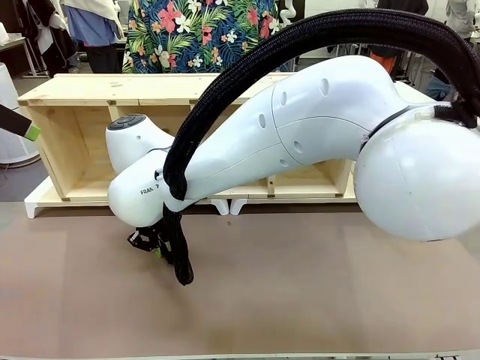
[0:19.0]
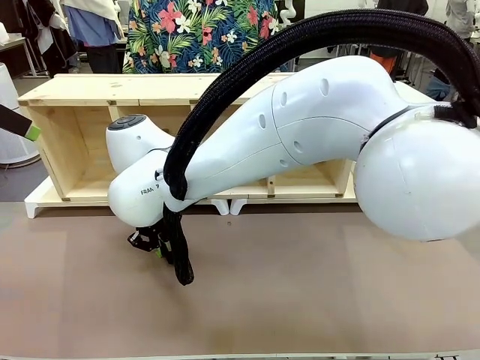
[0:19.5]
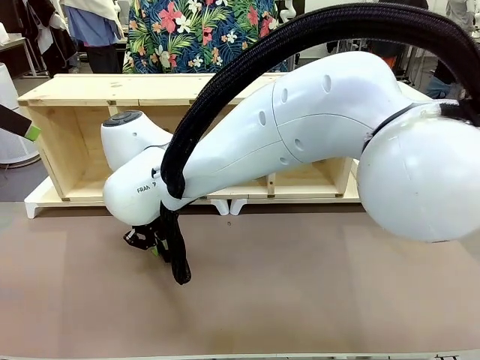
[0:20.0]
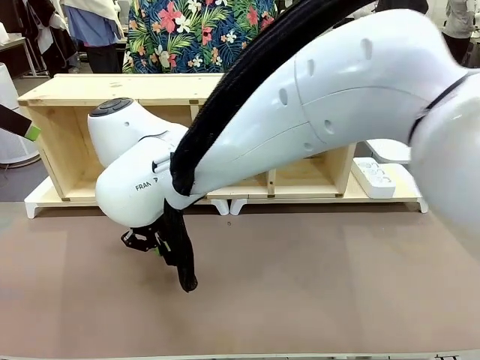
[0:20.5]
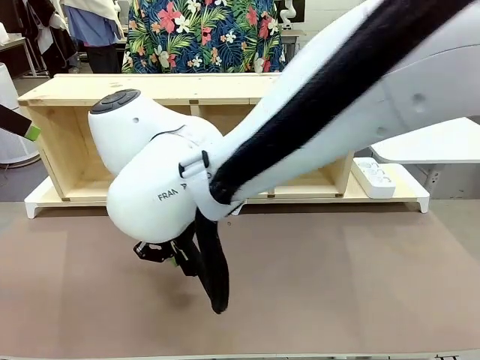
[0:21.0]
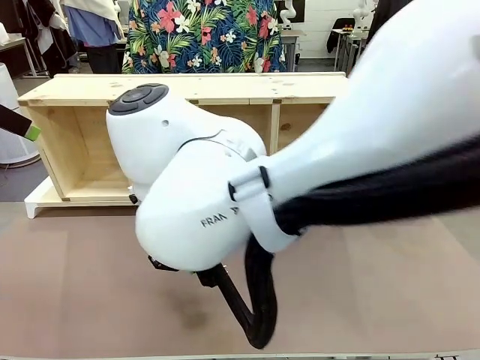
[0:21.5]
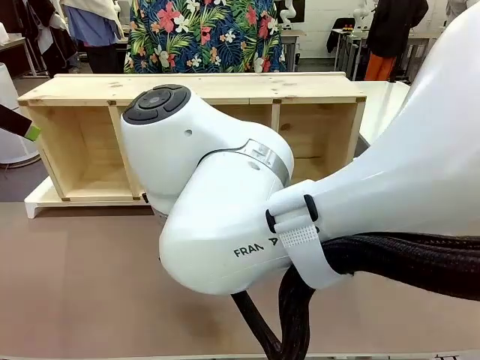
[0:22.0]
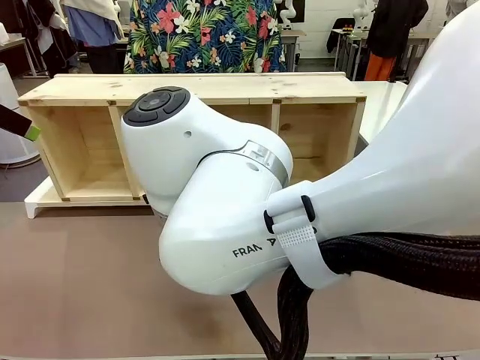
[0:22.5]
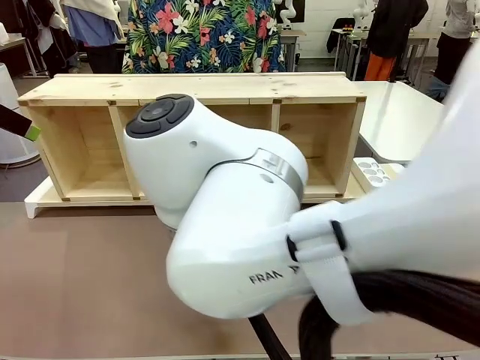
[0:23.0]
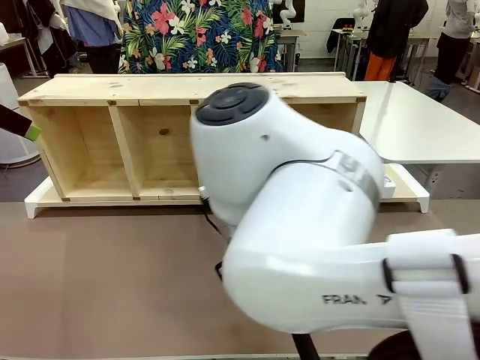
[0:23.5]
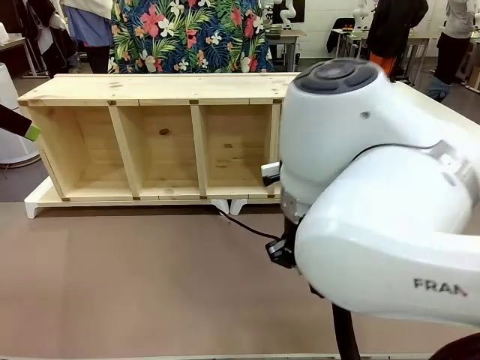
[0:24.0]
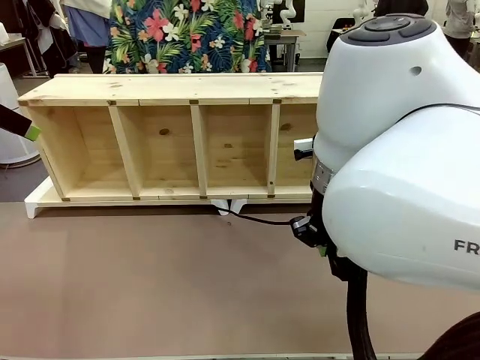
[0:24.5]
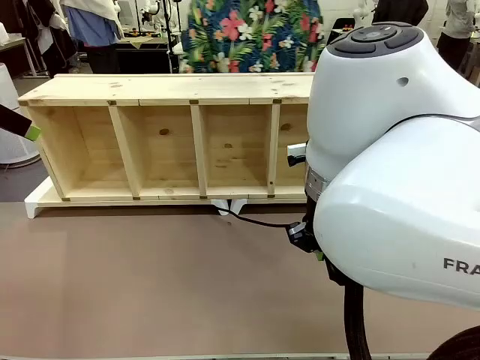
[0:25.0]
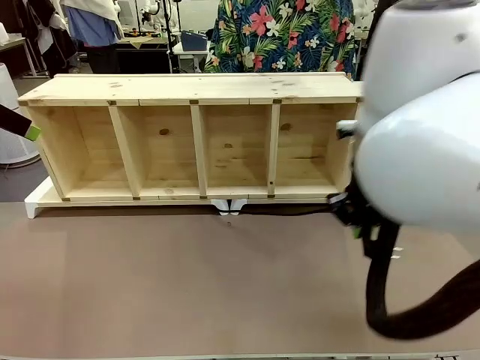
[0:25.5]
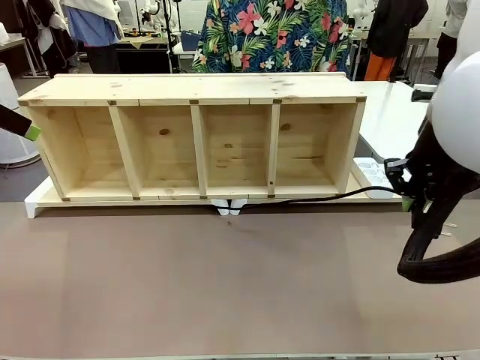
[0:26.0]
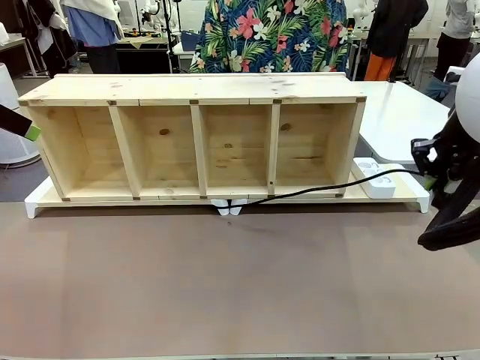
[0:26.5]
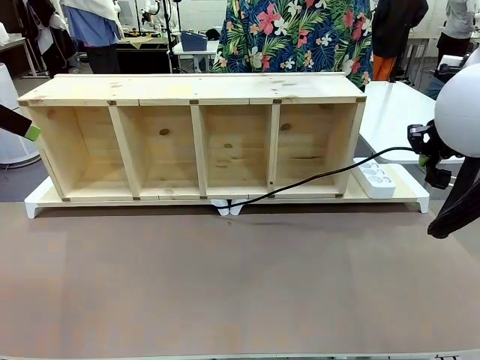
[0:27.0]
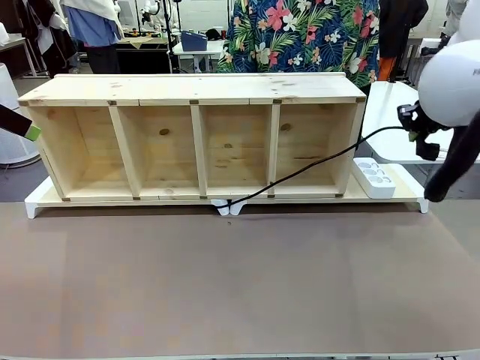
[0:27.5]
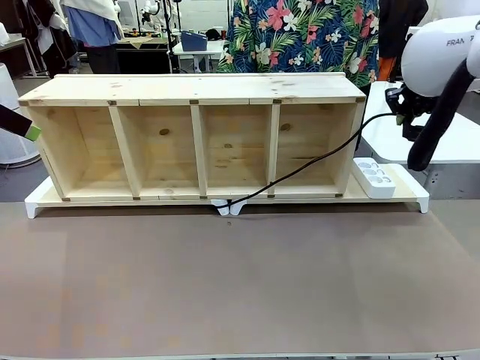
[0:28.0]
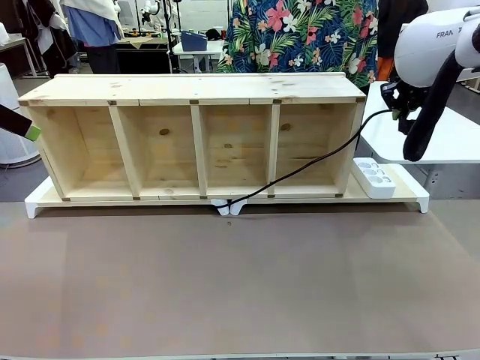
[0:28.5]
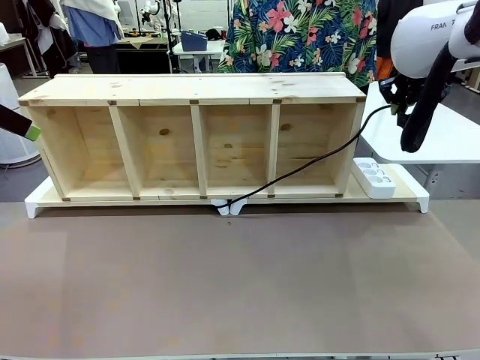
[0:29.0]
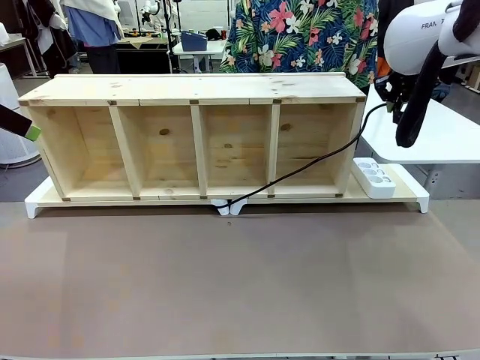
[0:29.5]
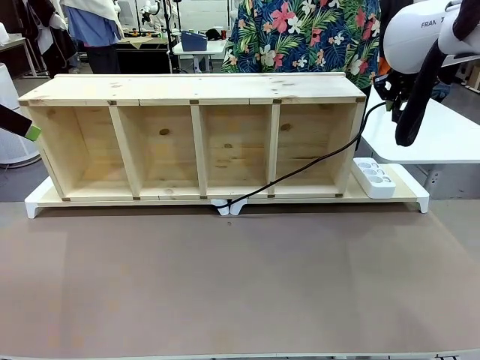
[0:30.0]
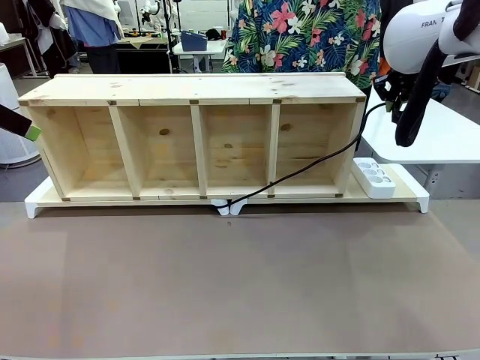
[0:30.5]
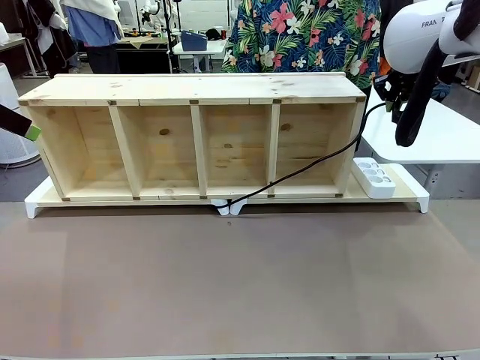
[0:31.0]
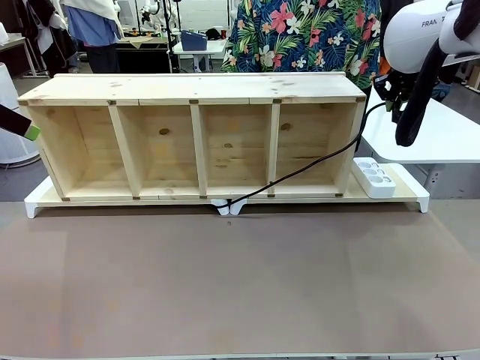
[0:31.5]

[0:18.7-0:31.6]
Task: Perform cable management.
Robot: Pull the grasped Power Cable to the location of the Power Strip.

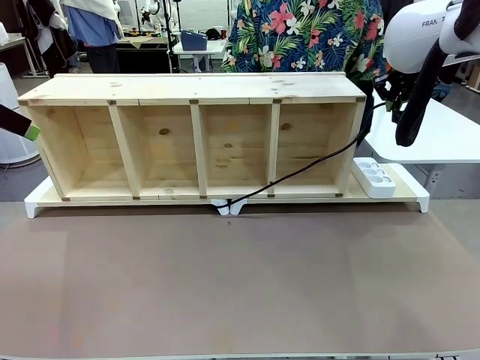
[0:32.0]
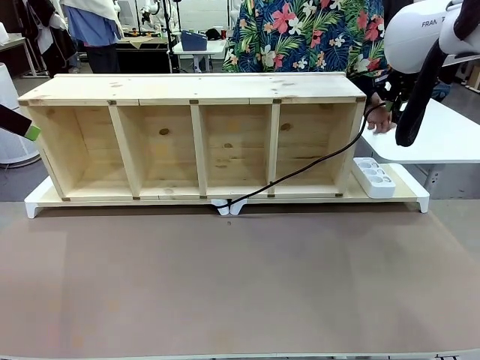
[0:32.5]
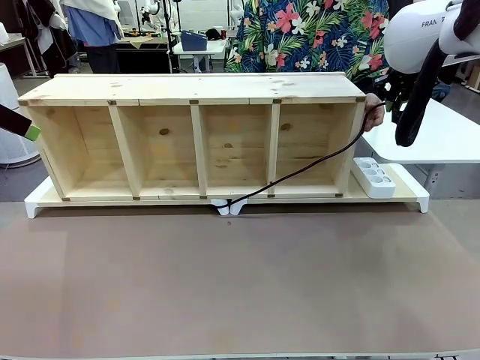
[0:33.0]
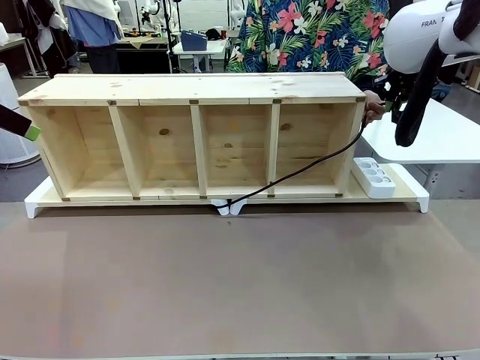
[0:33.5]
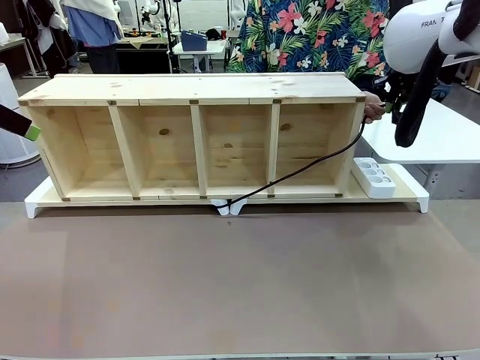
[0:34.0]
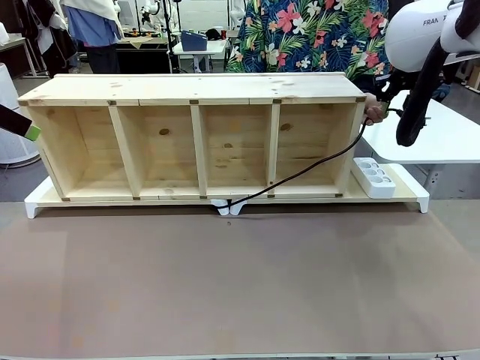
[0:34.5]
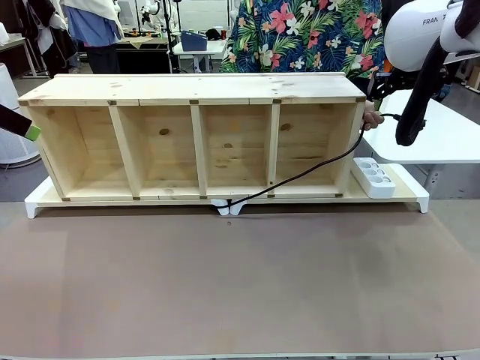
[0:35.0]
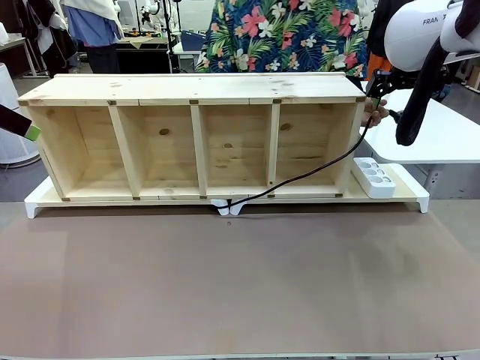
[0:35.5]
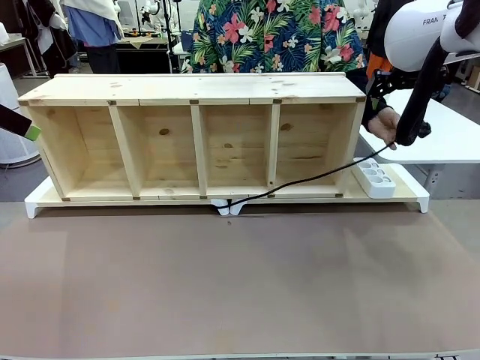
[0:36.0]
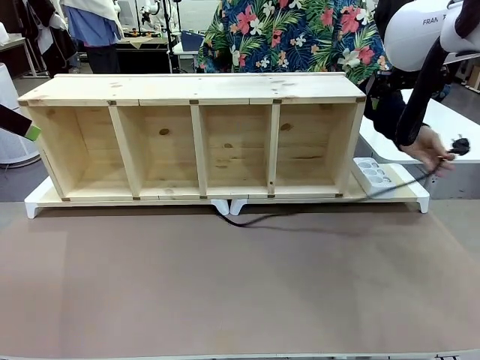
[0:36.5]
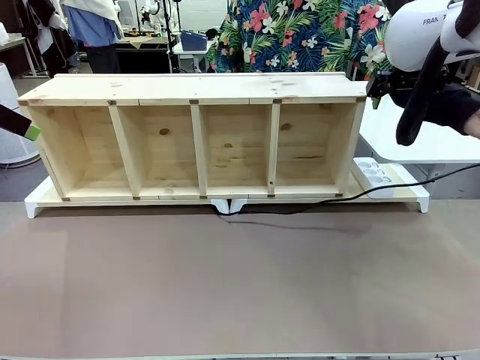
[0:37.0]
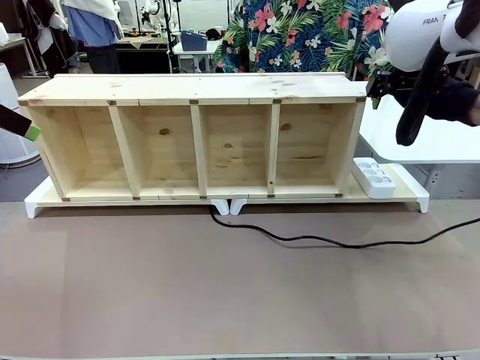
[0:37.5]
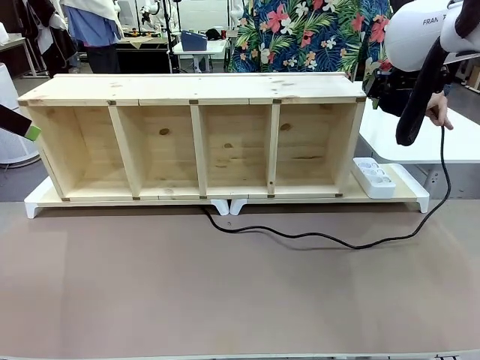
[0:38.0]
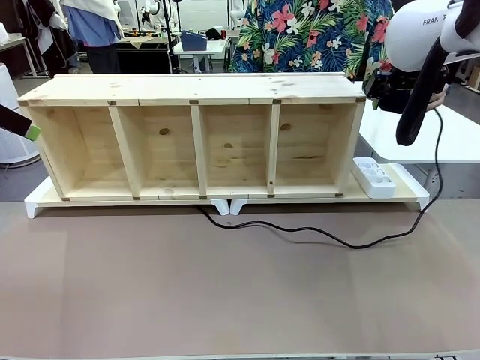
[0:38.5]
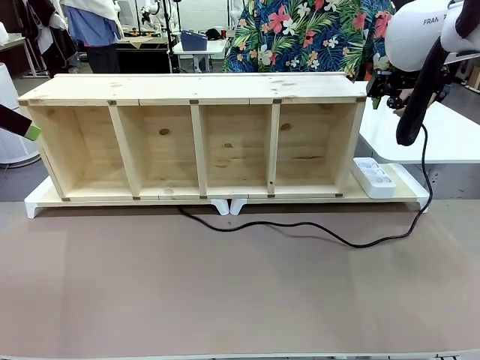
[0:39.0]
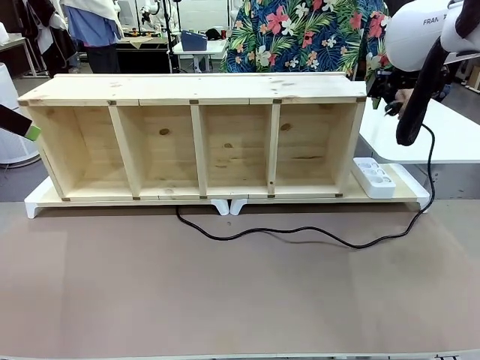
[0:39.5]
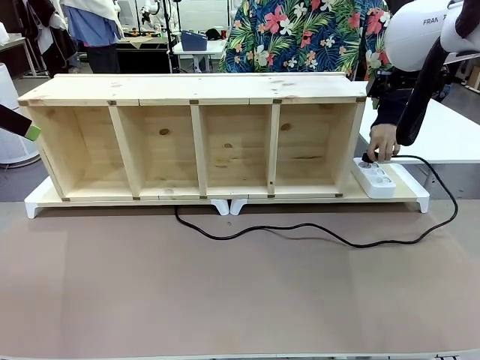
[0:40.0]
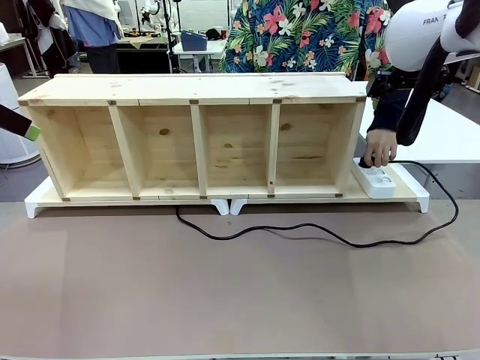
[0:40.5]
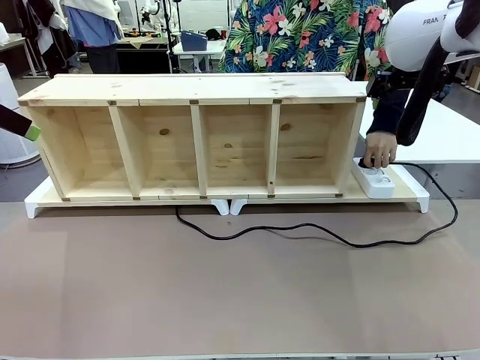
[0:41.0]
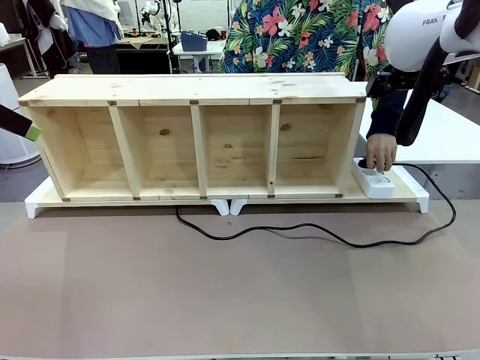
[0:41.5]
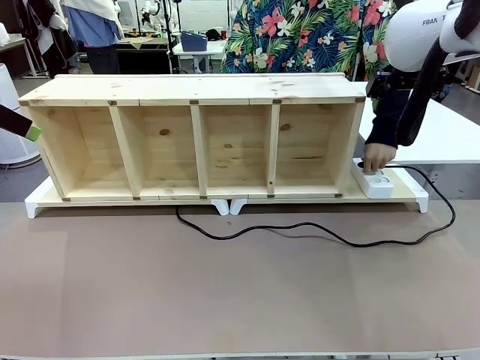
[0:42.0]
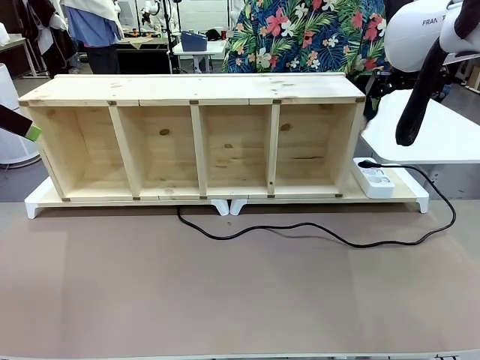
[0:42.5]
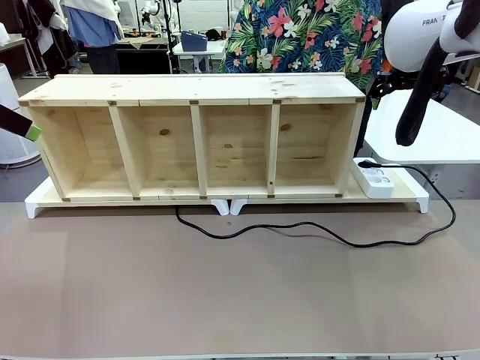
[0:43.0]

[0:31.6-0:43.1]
Robot: Release the Power Cable when the human grasps it.
Person: Plug the Power Cable into the Power Strip.
